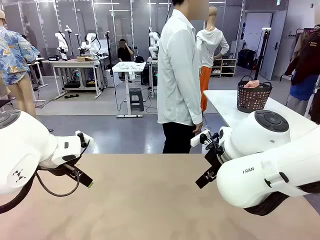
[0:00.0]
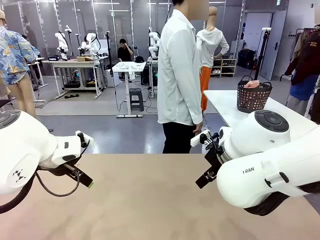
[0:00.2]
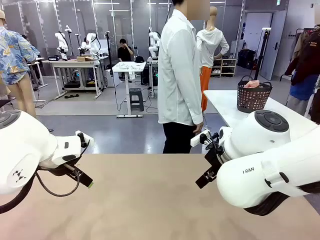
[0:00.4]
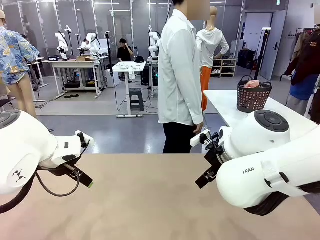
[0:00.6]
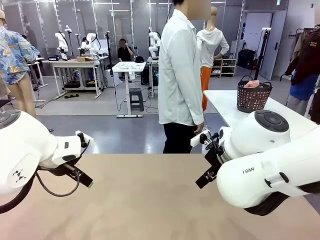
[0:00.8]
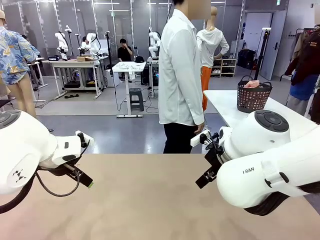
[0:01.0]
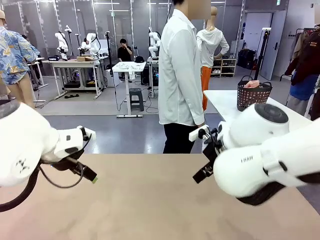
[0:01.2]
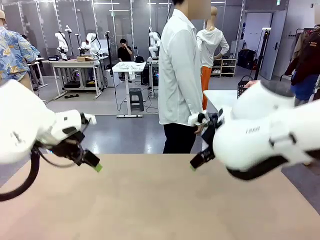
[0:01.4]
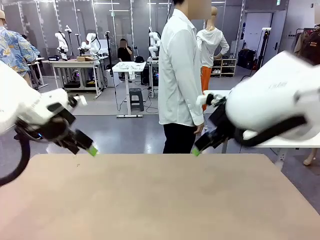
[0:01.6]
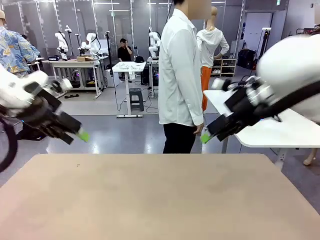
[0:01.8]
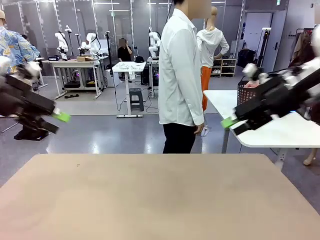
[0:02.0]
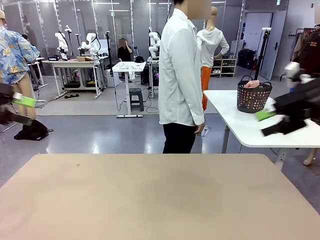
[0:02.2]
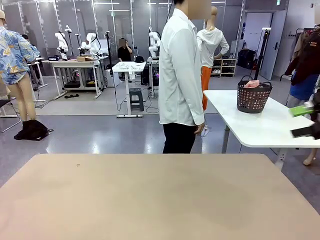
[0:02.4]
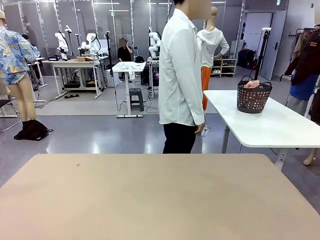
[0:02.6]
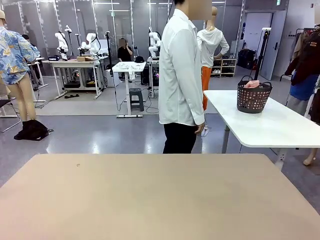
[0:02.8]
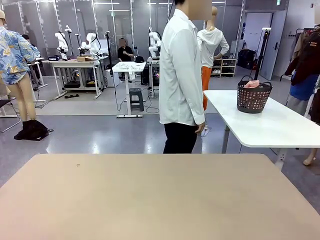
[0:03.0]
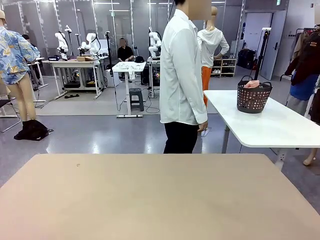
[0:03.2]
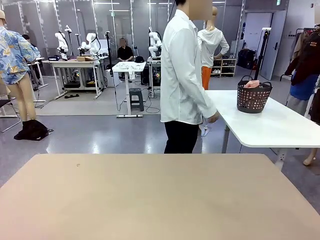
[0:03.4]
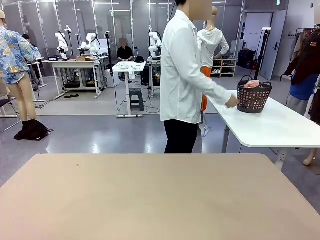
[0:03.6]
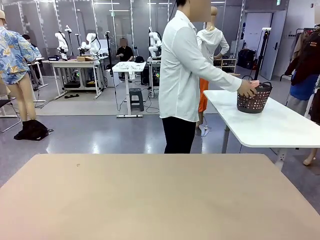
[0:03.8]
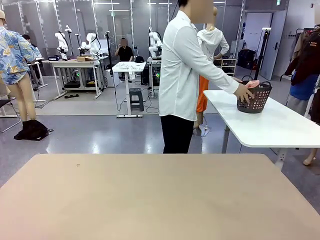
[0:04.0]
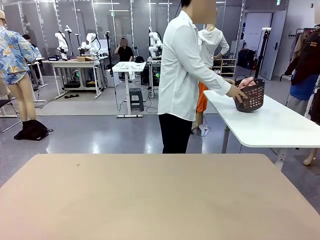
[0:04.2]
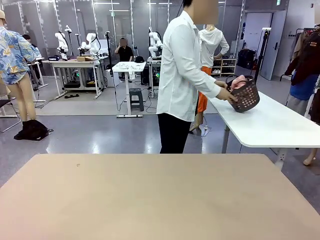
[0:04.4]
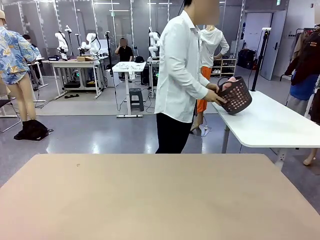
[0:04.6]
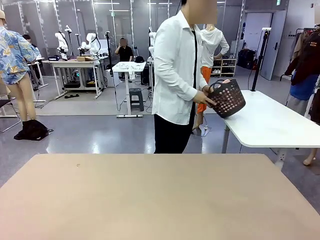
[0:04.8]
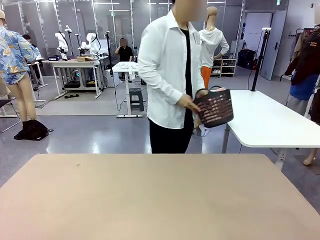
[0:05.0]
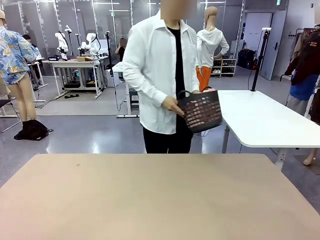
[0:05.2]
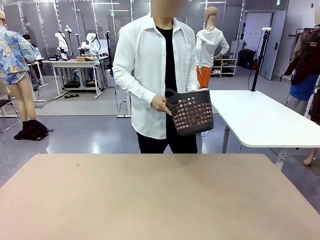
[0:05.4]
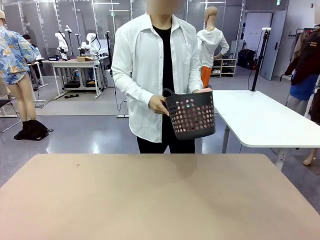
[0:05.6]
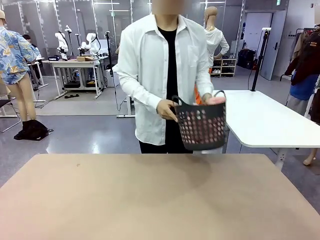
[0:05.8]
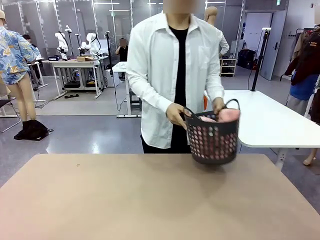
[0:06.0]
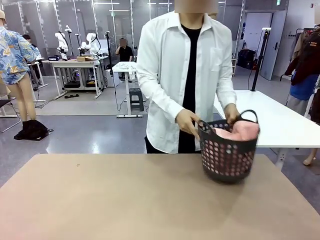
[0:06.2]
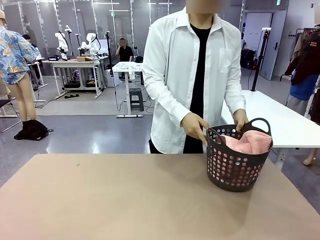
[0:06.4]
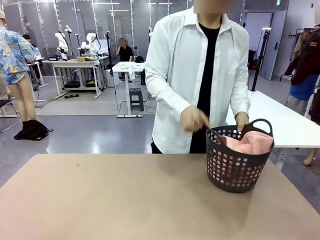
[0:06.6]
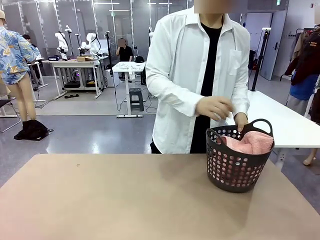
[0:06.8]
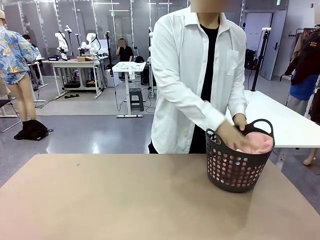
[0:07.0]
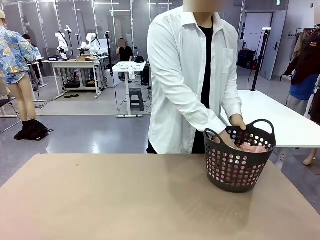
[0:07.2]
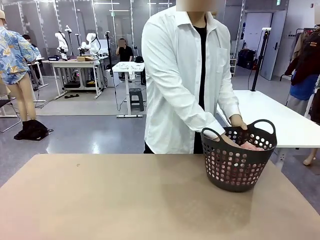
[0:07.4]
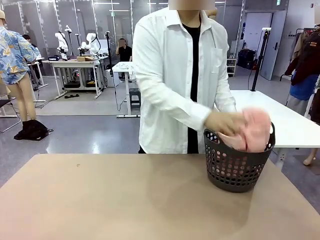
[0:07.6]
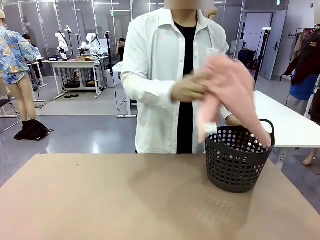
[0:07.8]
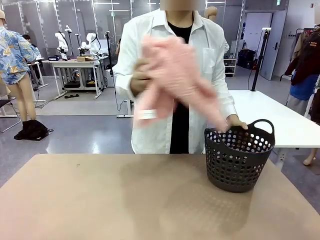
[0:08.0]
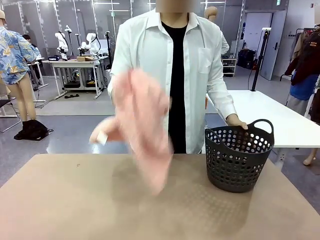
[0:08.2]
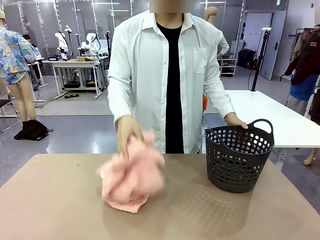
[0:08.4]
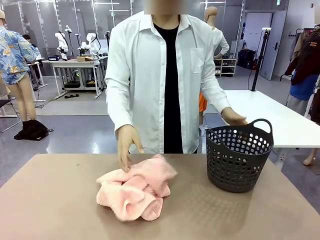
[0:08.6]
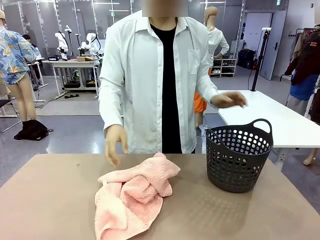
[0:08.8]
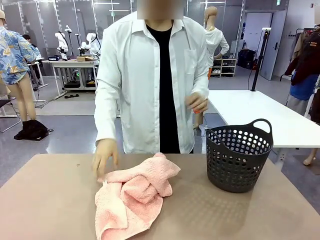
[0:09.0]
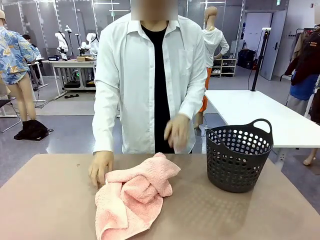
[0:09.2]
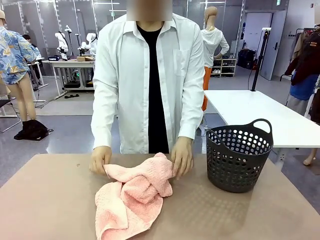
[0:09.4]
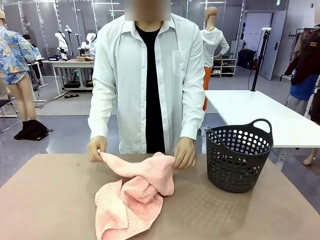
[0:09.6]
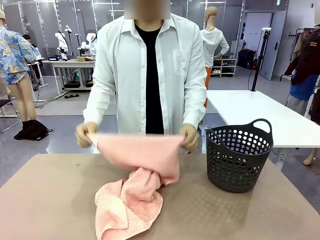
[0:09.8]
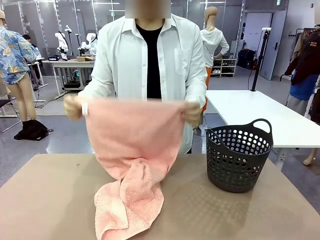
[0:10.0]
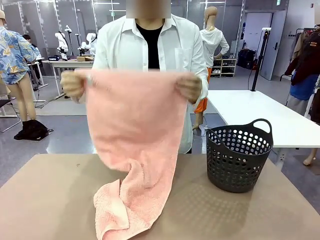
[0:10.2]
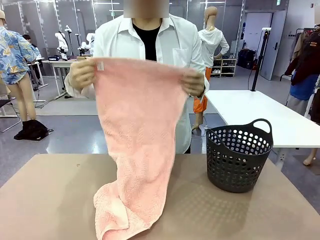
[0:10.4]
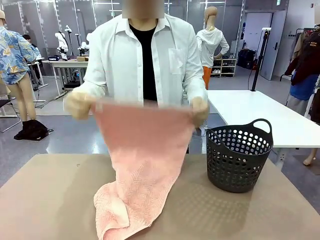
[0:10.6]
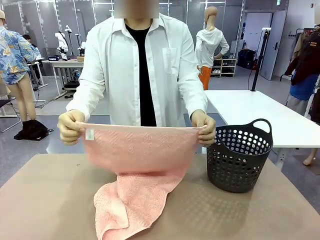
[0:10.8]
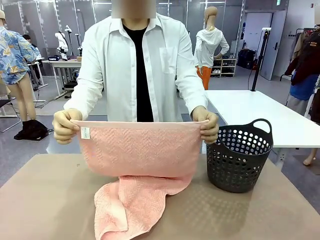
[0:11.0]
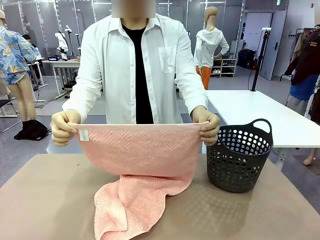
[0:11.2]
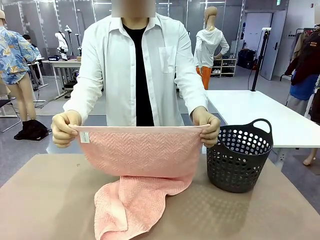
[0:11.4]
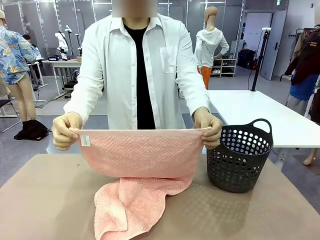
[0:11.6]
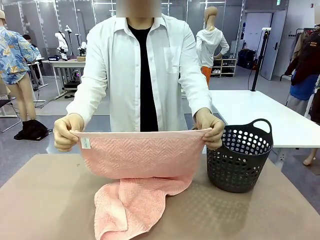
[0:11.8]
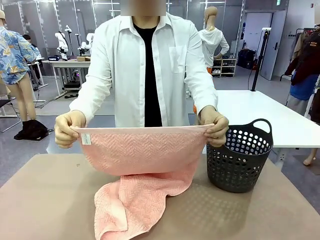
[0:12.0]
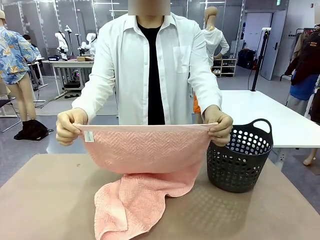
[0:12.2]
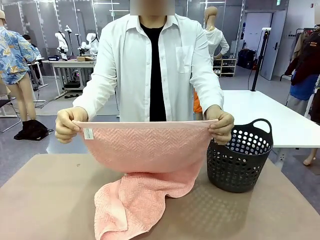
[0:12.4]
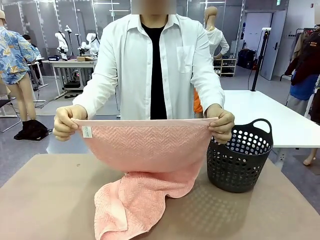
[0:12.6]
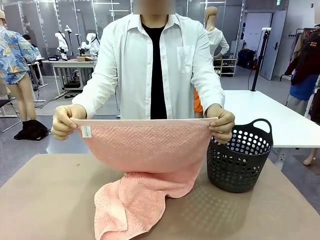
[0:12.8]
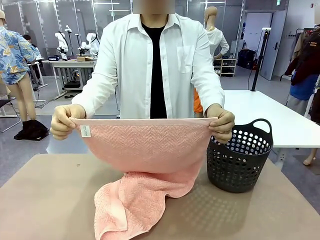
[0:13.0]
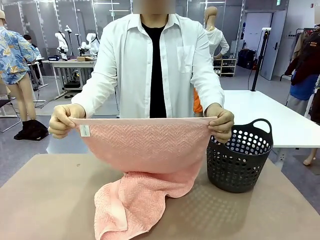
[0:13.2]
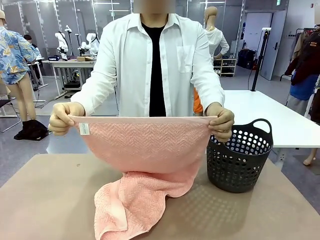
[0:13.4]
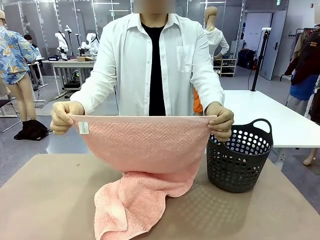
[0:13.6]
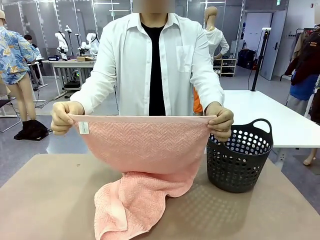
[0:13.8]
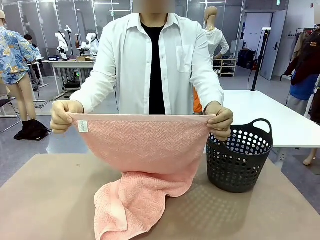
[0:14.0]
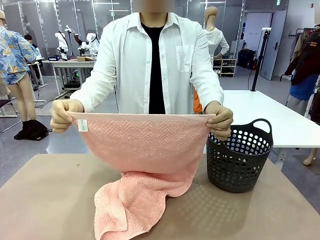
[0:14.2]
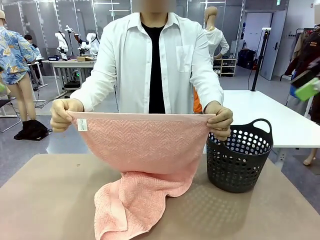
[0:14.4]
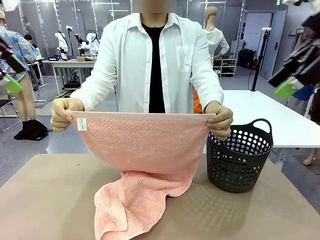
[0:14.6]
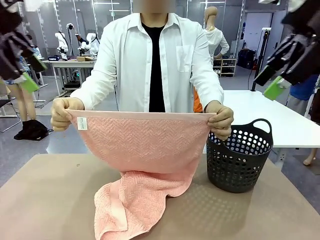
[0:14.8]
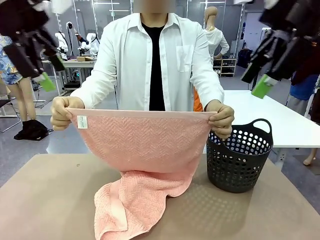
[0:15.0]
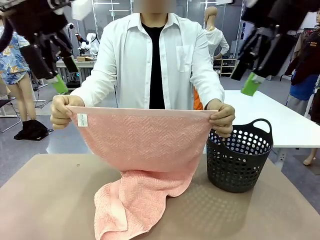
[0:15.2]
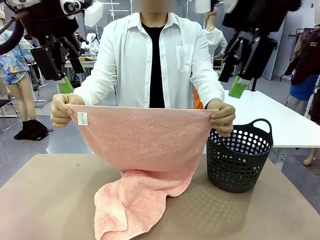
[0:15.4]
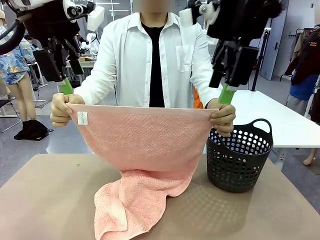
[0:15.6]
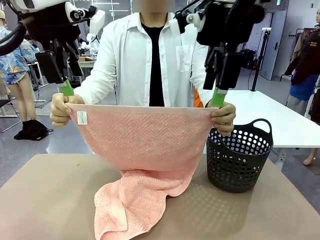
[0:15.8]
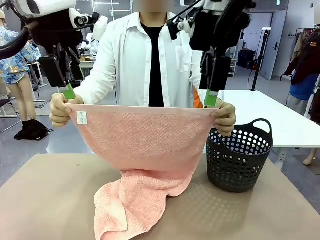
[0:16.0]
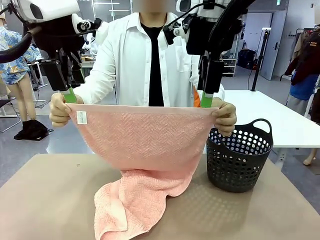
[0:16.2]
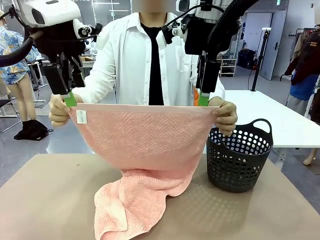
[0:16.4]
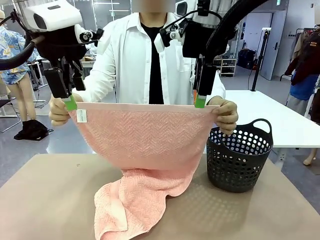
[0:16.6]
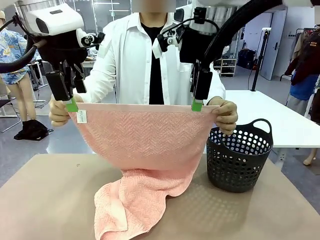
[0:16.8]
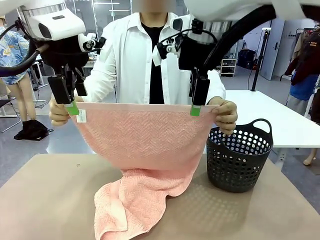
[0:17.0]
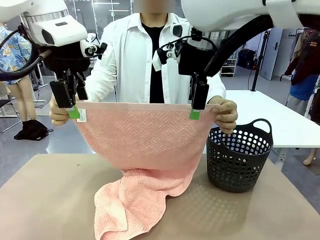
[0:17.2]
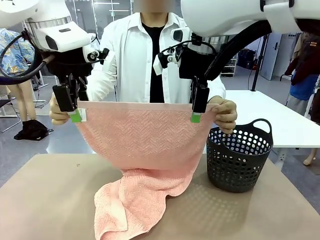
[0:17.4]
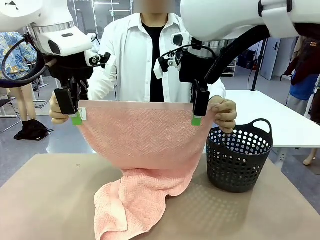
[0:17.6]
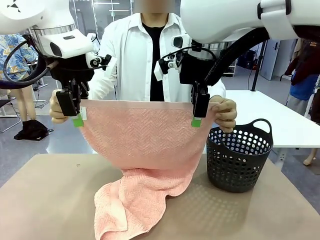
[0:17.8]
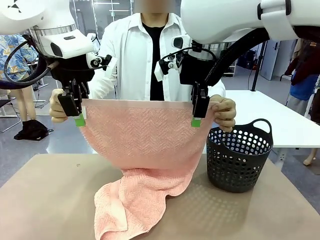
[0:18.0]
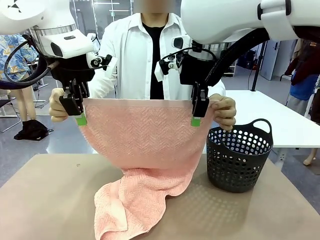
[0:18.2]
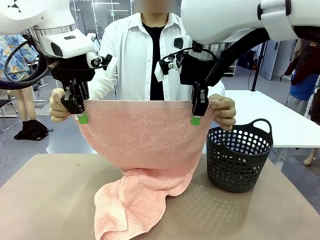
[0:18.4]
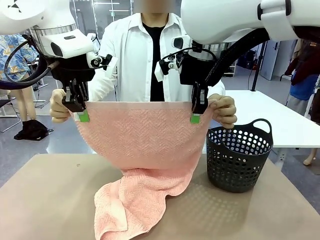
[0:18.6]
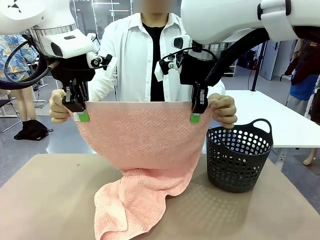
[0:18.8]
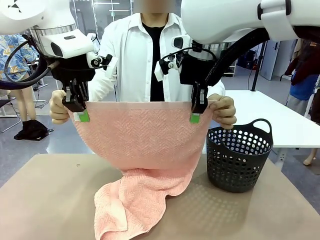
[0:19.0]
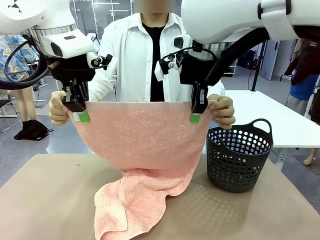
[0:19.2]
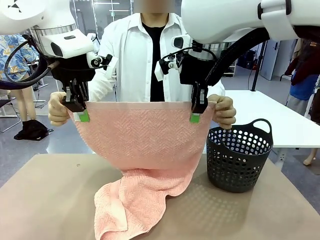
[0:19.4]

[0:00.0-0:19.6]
Task: Fold the towel.
Robot: Grab the top end of the 100 cm Hotel Towel extended by the human.
Person: Pick up the laundry basket, place it on the left side of the robot table, then take out a towel and hand it to the robot while holding both corners of one end.
